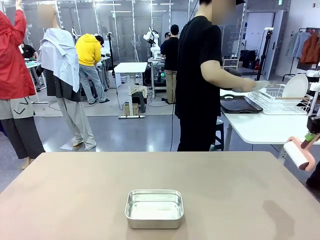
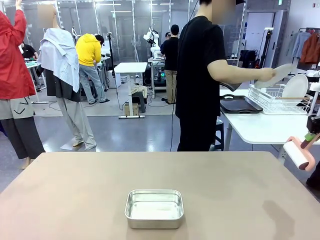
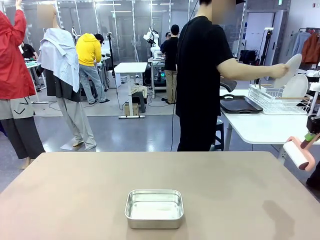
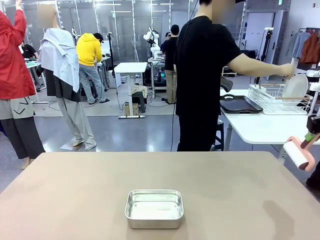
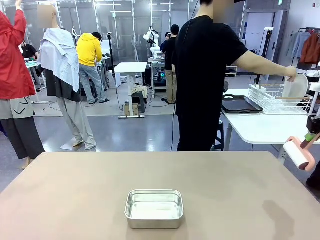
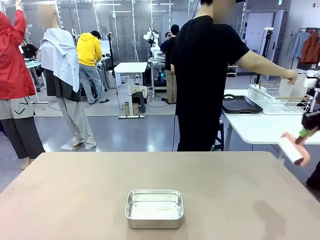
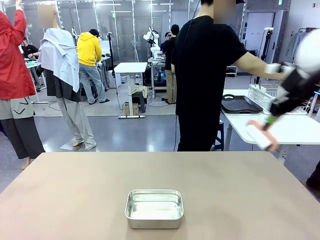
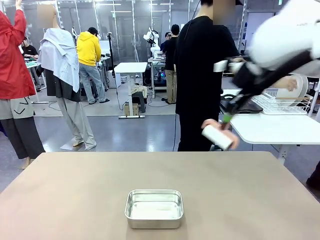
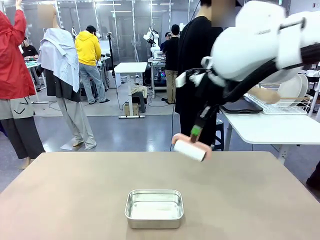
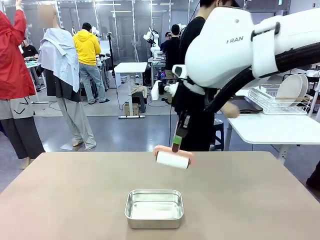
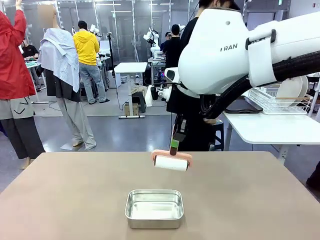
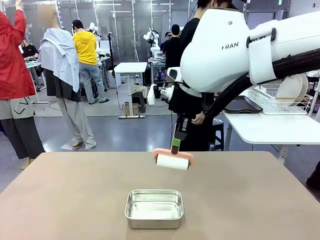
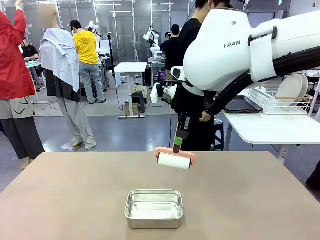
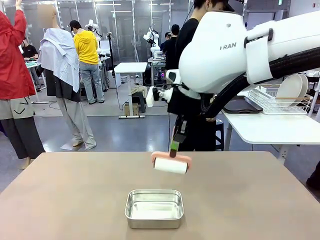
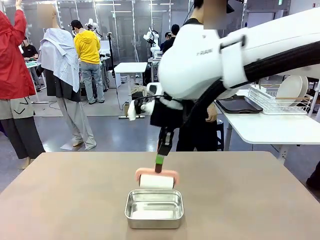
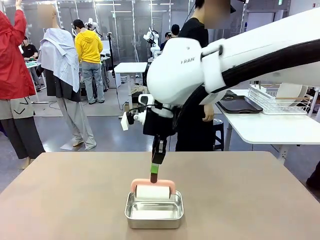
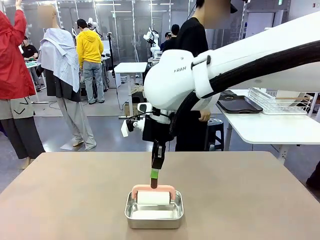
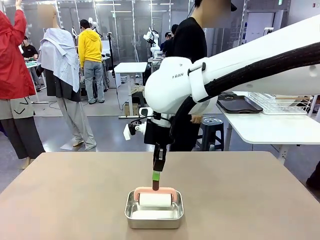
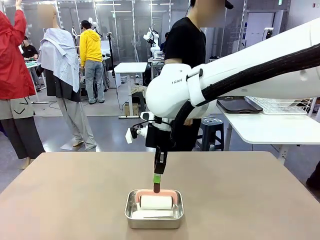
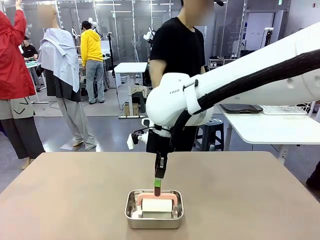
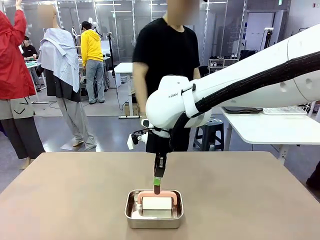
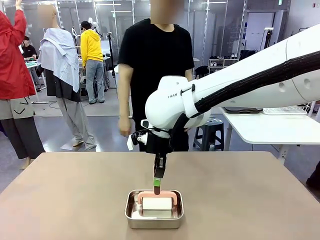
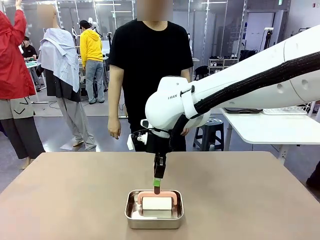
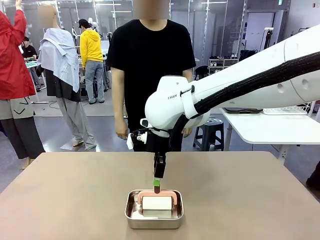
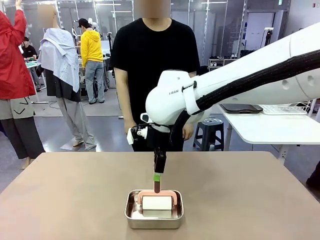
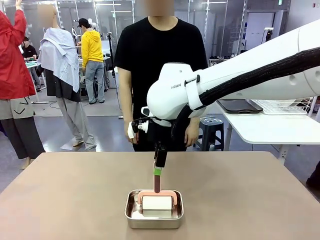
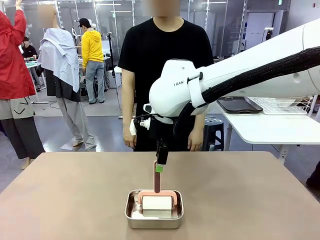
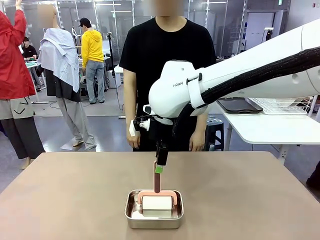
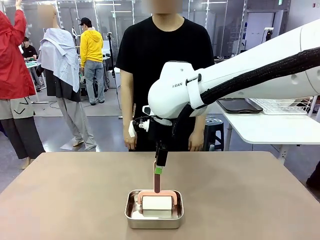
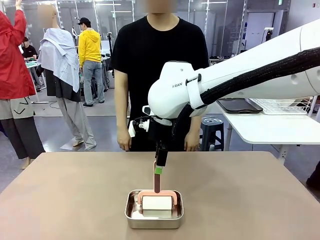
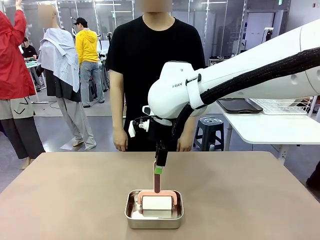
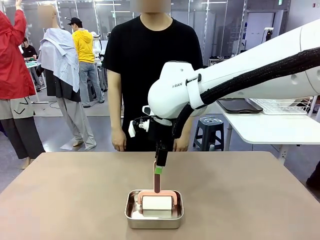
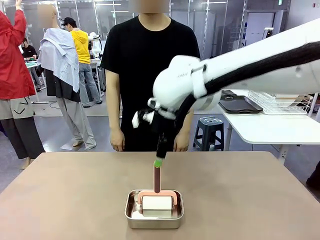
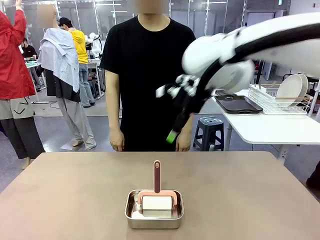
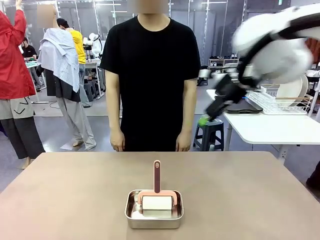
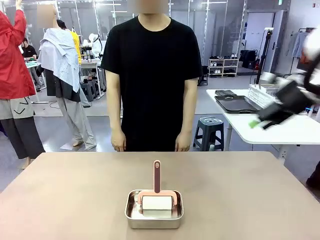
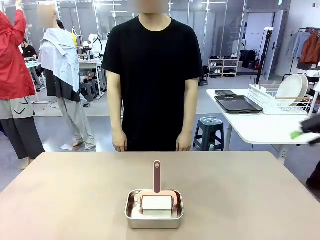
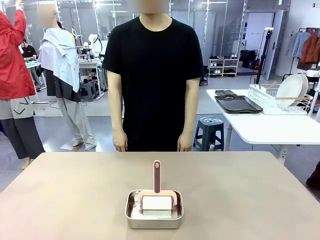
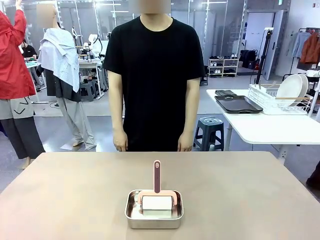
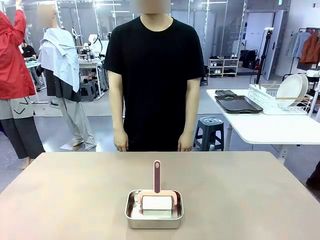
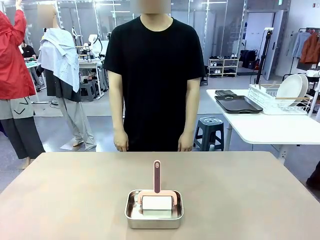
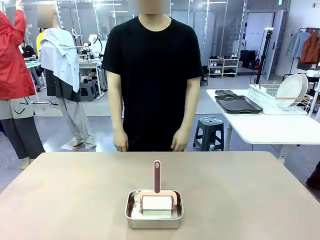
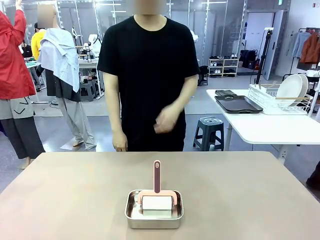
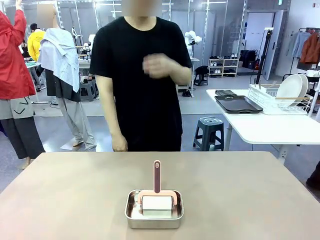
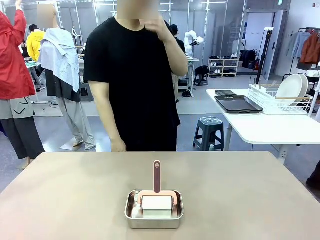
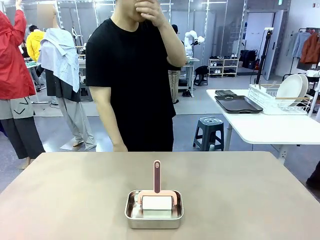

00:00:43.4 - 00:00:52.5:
Robot: Place the Lint Roller back on top of the Airtight Container.

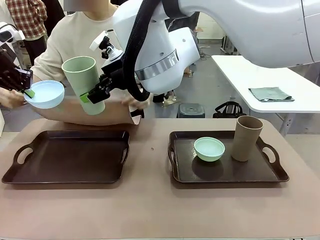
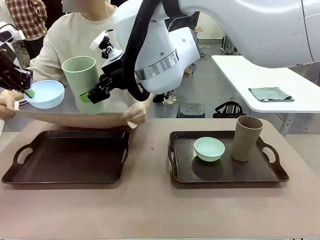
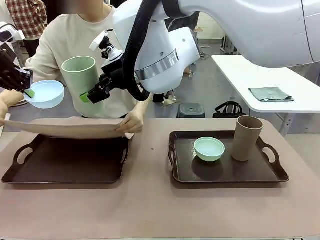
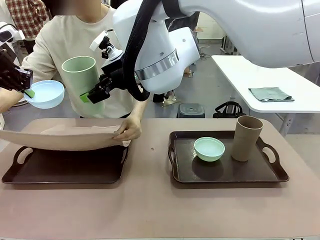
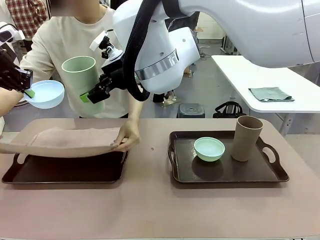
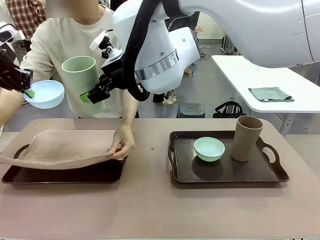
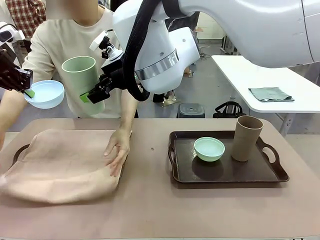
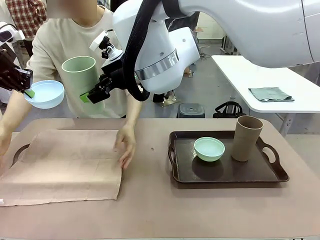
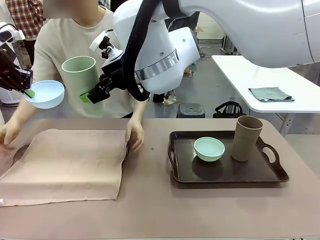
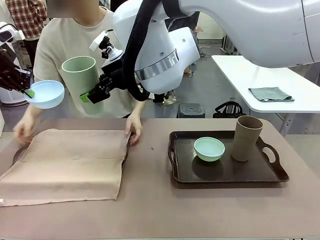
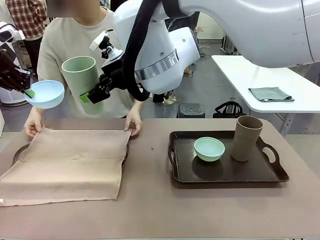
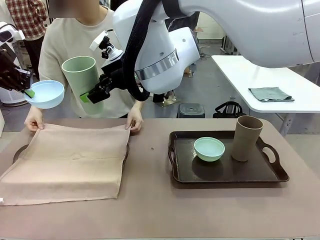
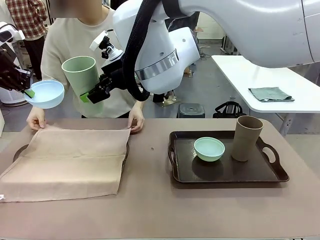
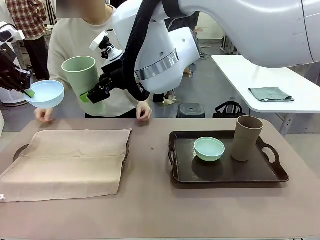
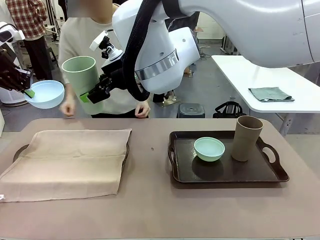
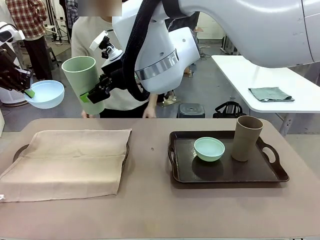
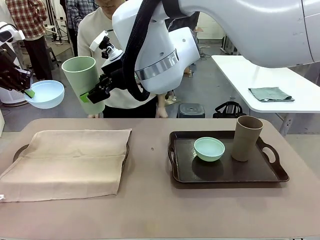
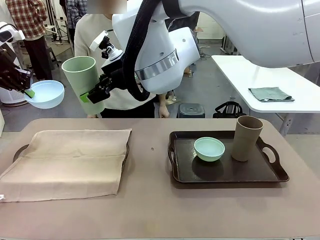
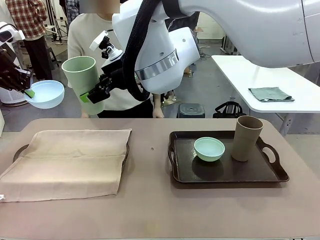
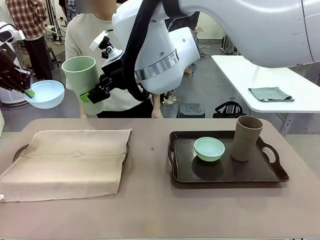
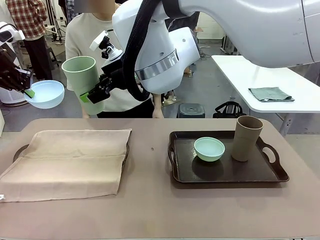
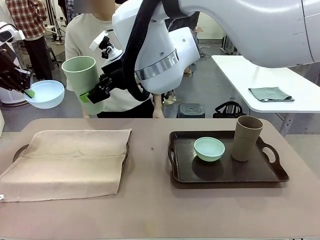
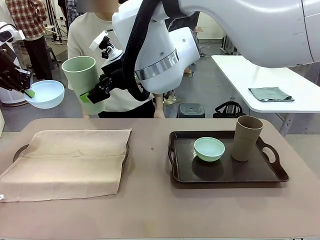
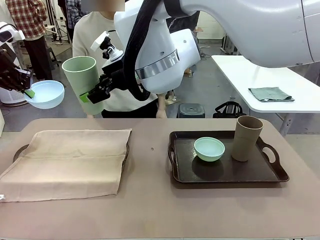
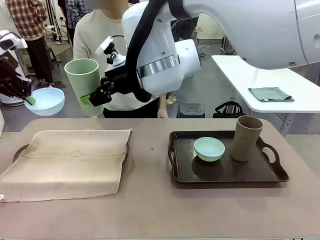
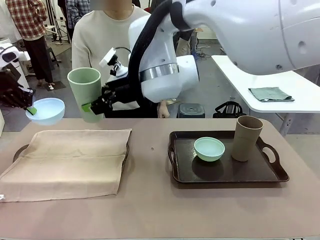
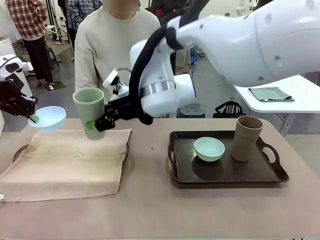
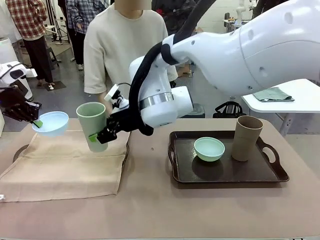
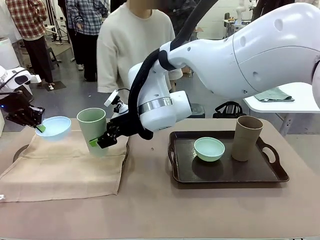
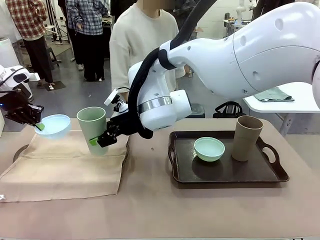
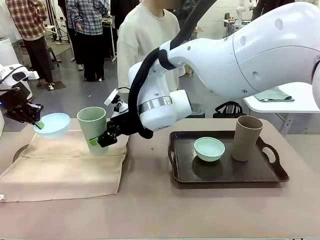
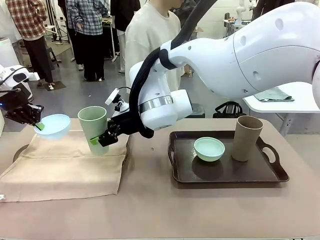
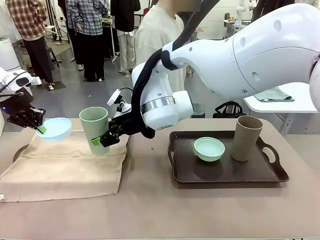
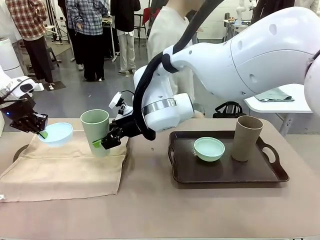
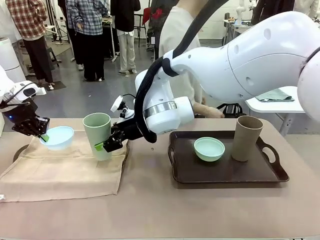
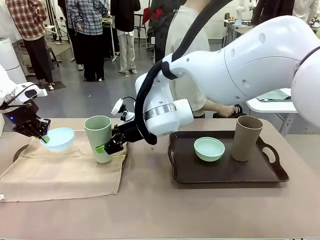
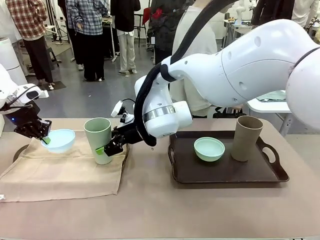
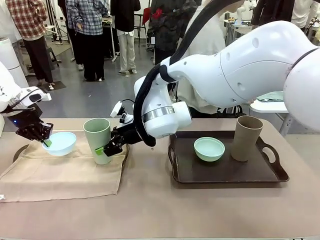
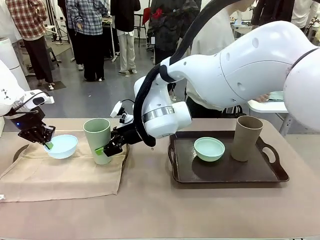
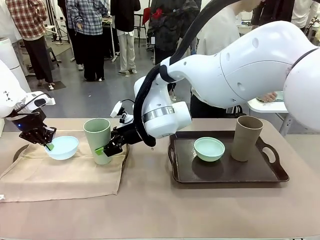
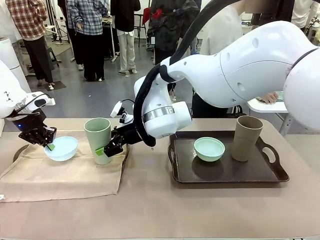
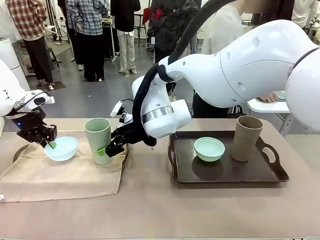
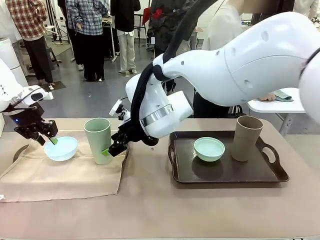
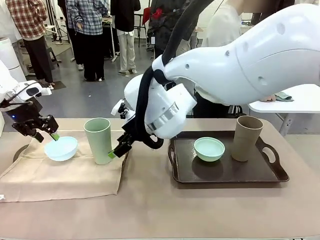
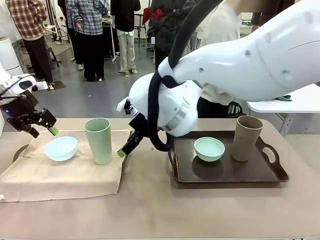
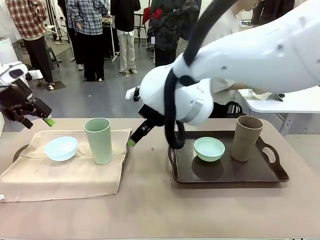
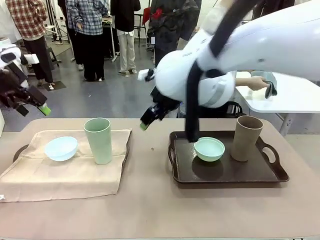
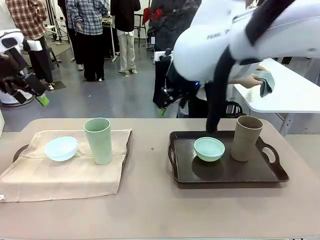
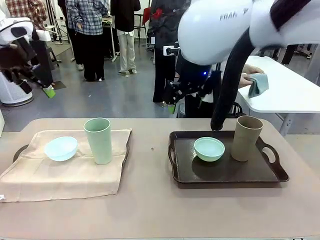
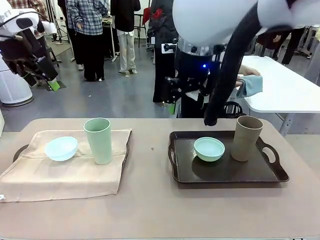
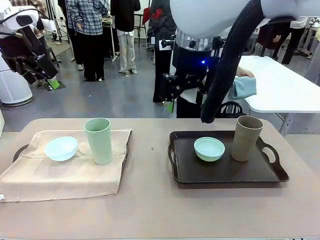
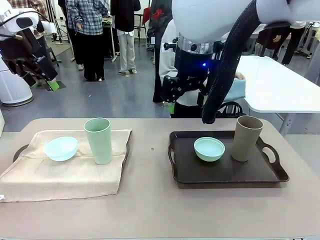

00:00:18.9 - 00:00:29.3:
Robot: Place the Picnic Bowl and Reusable plastic cup back onto the Handle tray in front of the human's position.
Person: The human returns to the human table to pick up another napkin and walks to the robot table to stand in front of the tray without a napkin.
